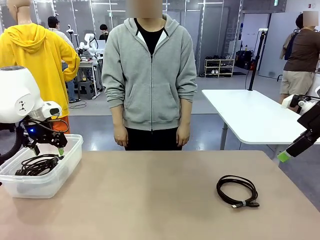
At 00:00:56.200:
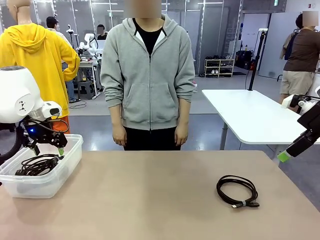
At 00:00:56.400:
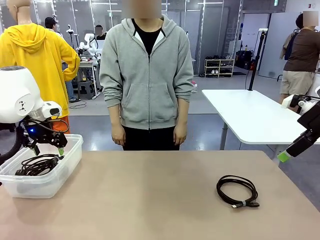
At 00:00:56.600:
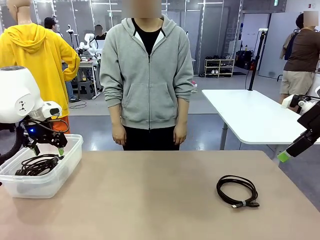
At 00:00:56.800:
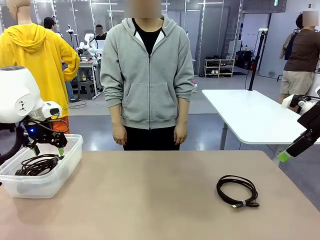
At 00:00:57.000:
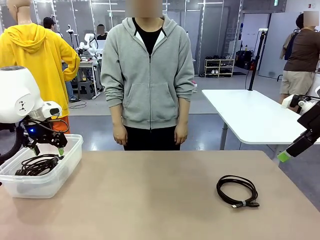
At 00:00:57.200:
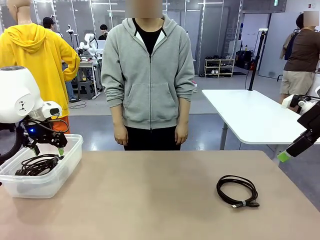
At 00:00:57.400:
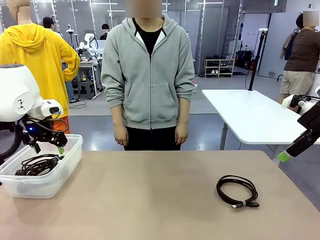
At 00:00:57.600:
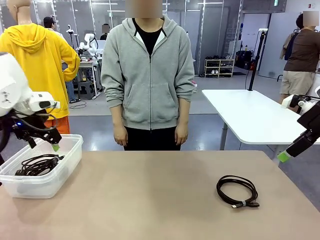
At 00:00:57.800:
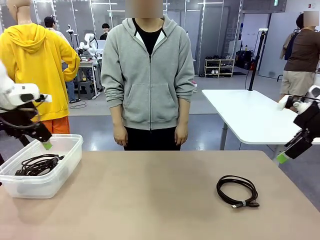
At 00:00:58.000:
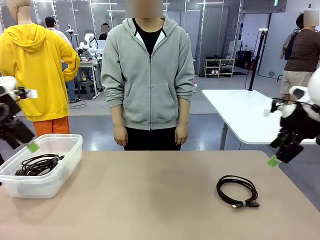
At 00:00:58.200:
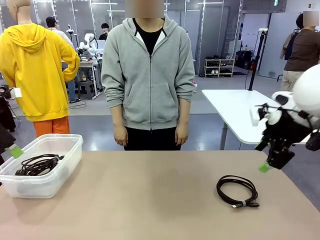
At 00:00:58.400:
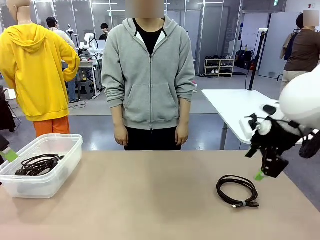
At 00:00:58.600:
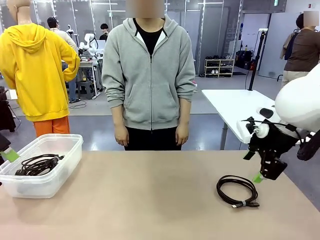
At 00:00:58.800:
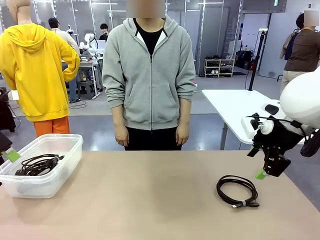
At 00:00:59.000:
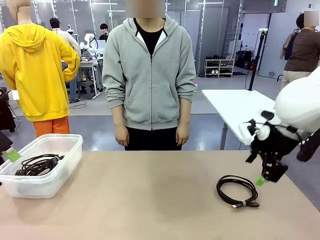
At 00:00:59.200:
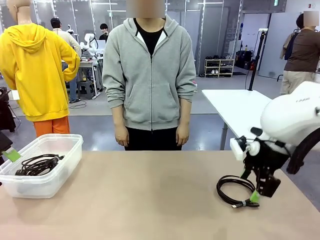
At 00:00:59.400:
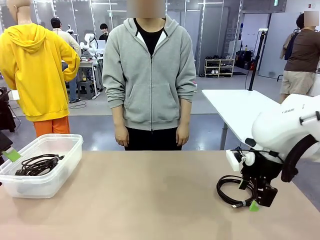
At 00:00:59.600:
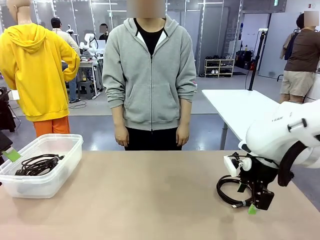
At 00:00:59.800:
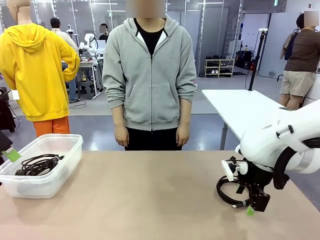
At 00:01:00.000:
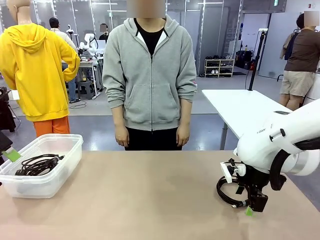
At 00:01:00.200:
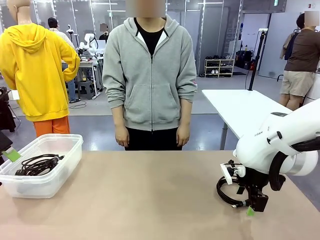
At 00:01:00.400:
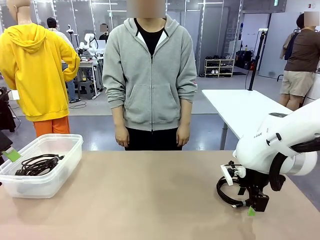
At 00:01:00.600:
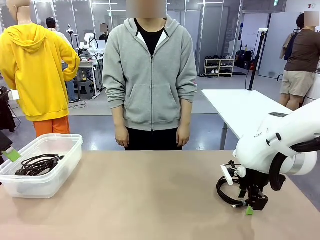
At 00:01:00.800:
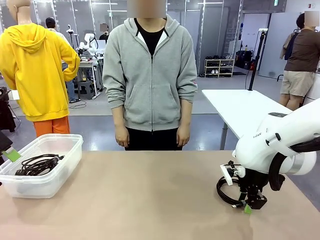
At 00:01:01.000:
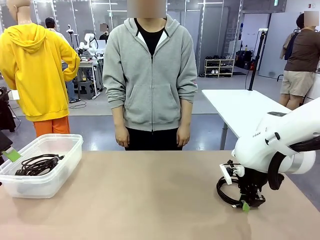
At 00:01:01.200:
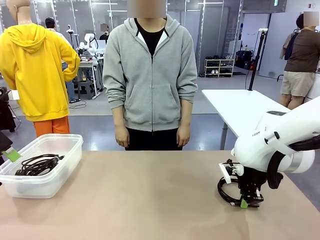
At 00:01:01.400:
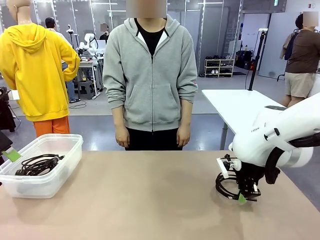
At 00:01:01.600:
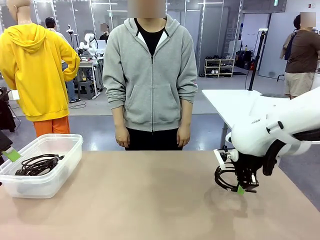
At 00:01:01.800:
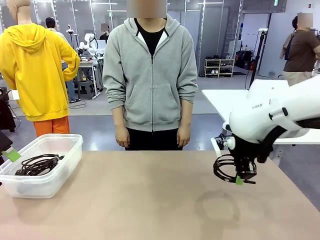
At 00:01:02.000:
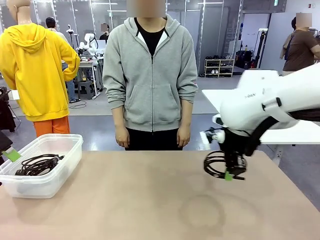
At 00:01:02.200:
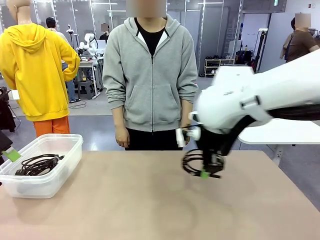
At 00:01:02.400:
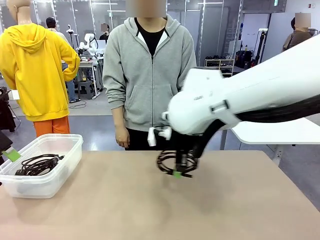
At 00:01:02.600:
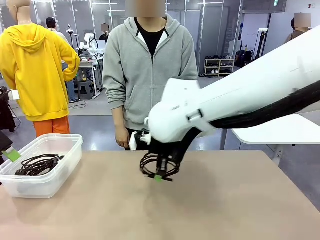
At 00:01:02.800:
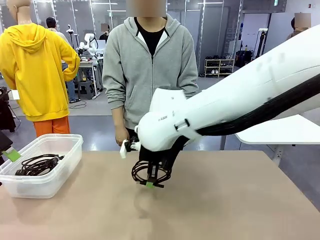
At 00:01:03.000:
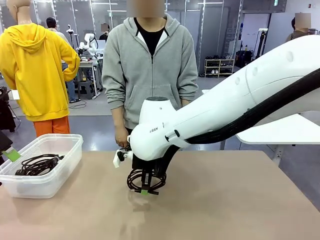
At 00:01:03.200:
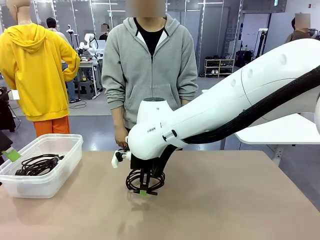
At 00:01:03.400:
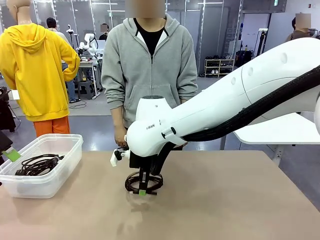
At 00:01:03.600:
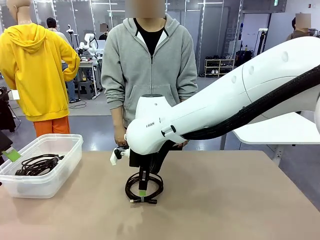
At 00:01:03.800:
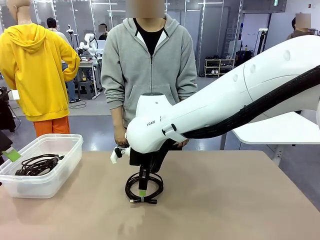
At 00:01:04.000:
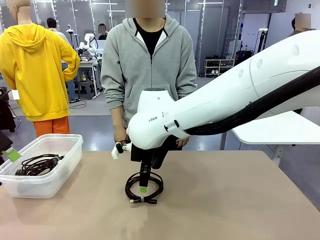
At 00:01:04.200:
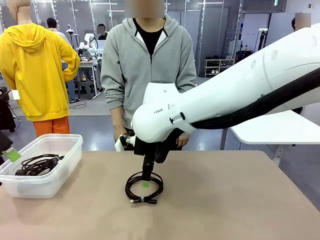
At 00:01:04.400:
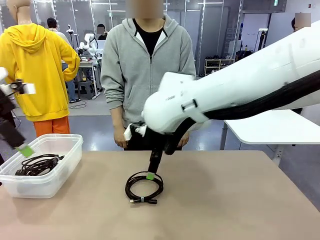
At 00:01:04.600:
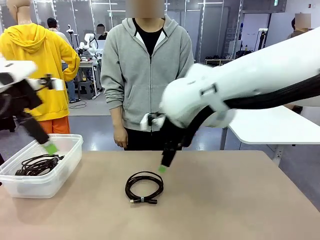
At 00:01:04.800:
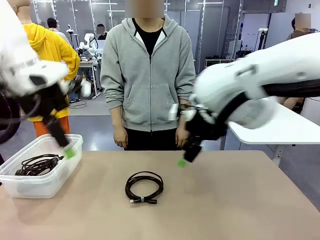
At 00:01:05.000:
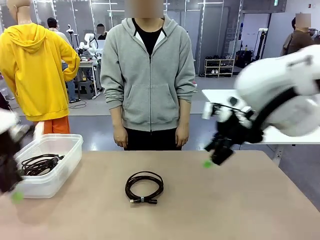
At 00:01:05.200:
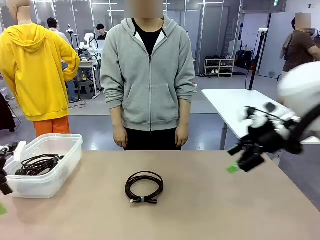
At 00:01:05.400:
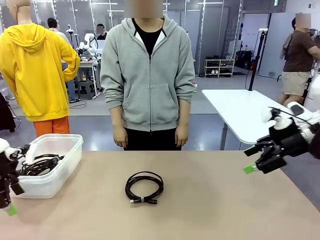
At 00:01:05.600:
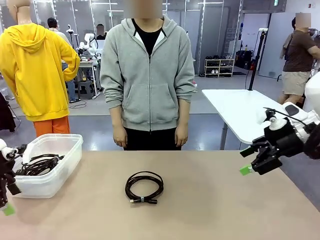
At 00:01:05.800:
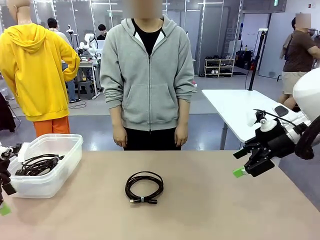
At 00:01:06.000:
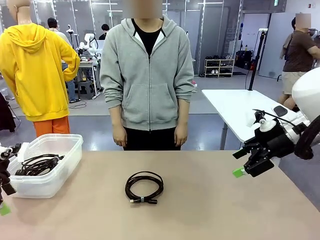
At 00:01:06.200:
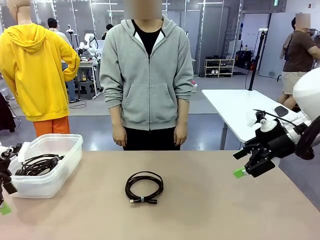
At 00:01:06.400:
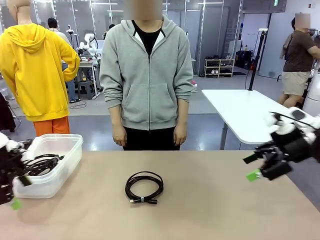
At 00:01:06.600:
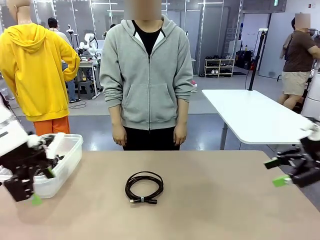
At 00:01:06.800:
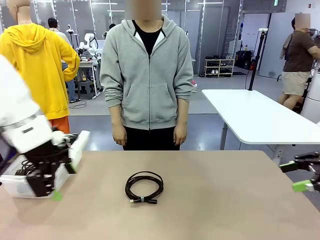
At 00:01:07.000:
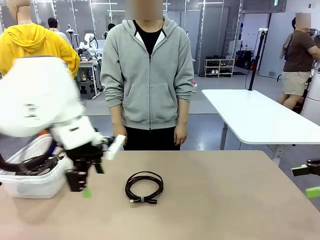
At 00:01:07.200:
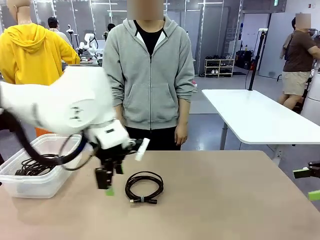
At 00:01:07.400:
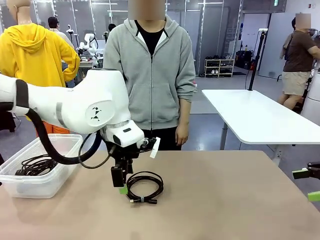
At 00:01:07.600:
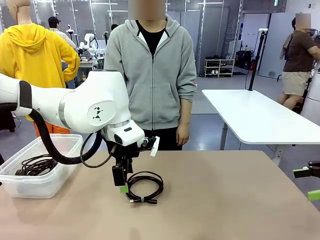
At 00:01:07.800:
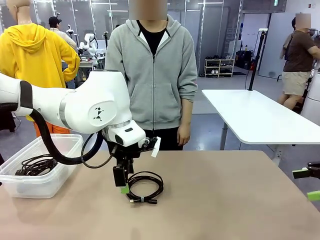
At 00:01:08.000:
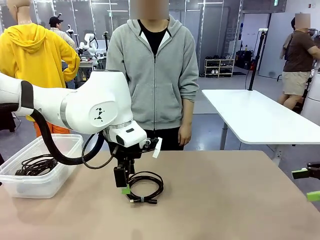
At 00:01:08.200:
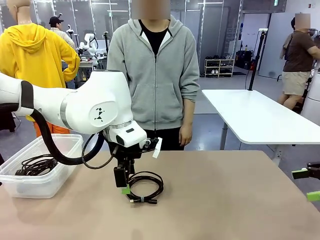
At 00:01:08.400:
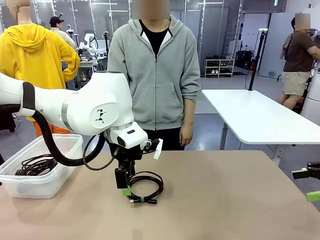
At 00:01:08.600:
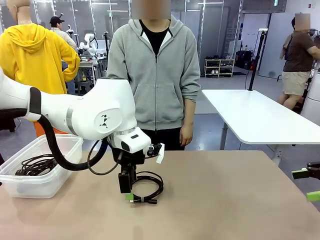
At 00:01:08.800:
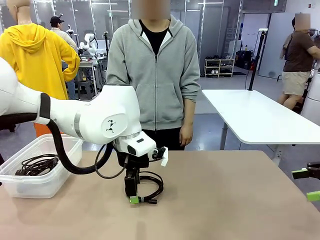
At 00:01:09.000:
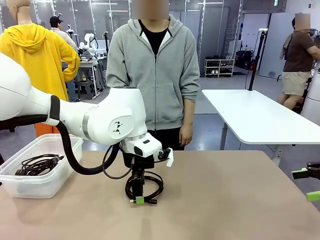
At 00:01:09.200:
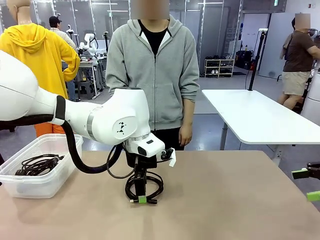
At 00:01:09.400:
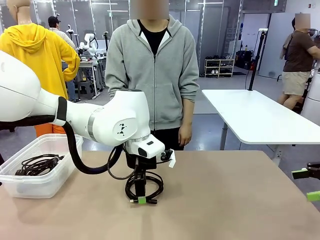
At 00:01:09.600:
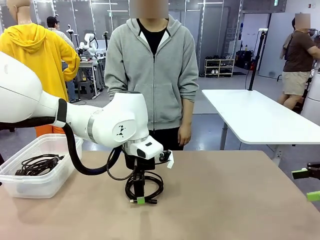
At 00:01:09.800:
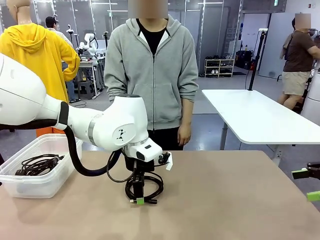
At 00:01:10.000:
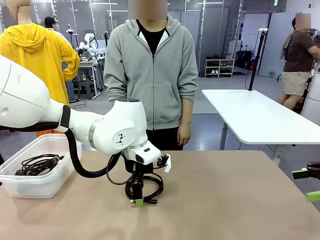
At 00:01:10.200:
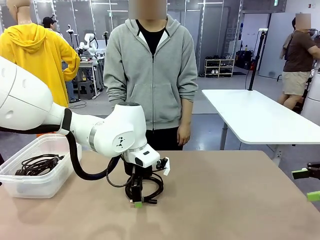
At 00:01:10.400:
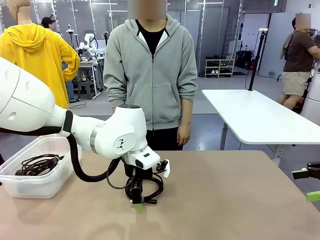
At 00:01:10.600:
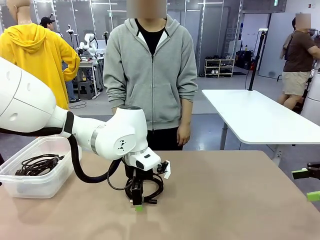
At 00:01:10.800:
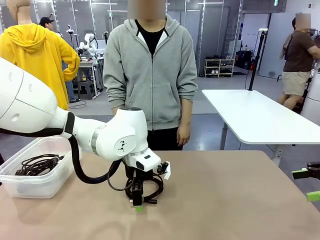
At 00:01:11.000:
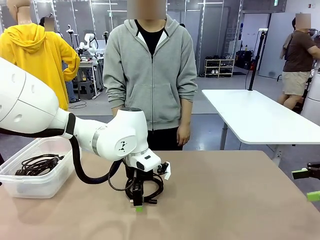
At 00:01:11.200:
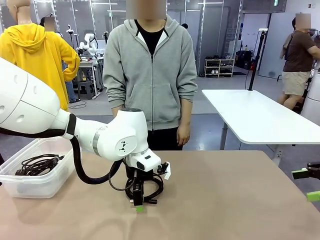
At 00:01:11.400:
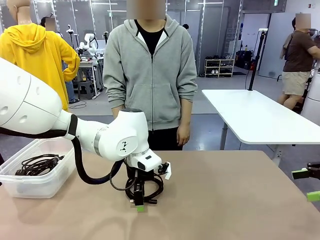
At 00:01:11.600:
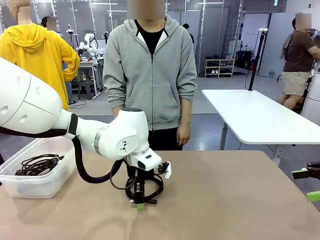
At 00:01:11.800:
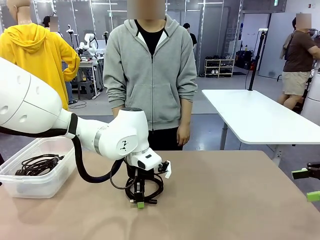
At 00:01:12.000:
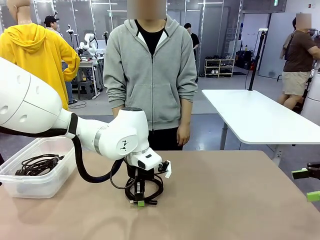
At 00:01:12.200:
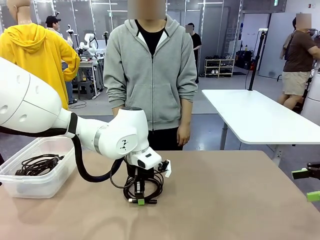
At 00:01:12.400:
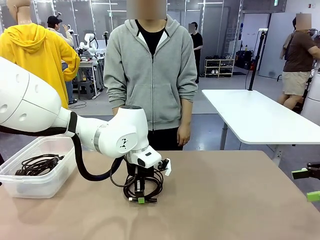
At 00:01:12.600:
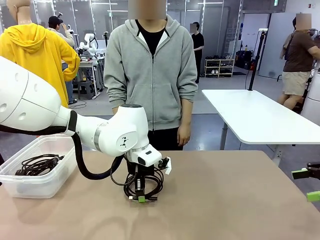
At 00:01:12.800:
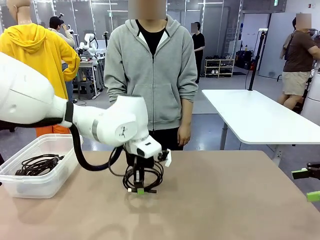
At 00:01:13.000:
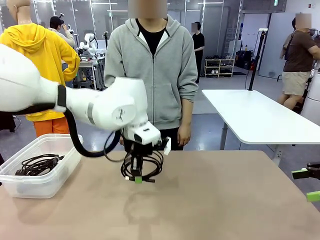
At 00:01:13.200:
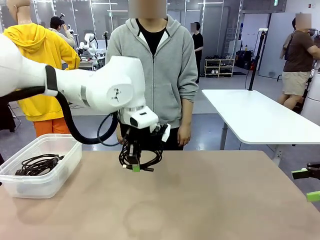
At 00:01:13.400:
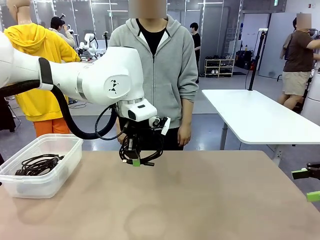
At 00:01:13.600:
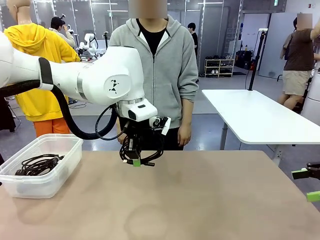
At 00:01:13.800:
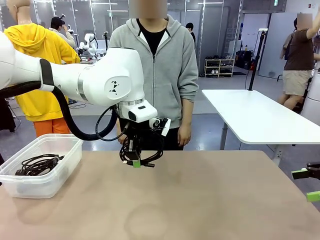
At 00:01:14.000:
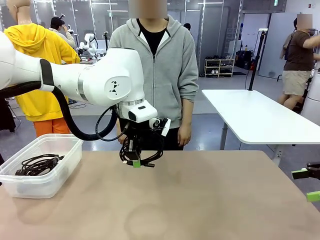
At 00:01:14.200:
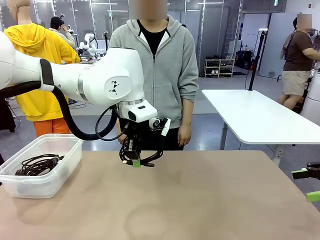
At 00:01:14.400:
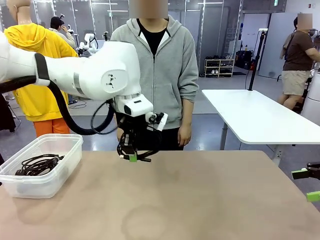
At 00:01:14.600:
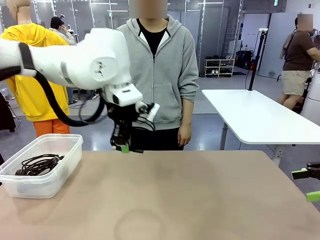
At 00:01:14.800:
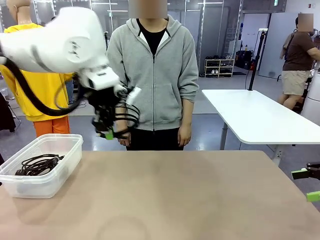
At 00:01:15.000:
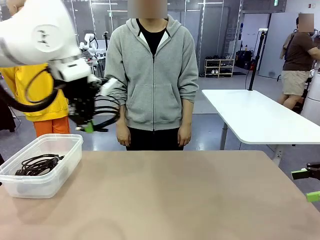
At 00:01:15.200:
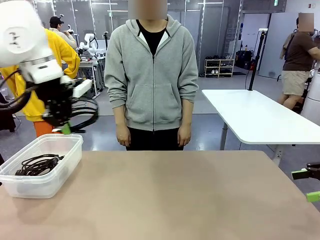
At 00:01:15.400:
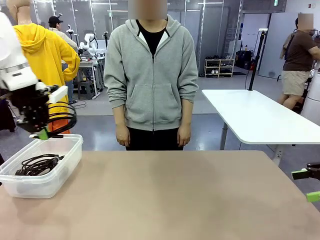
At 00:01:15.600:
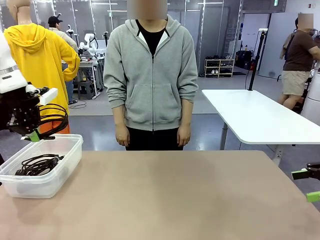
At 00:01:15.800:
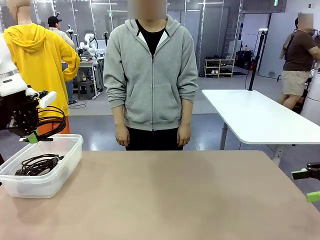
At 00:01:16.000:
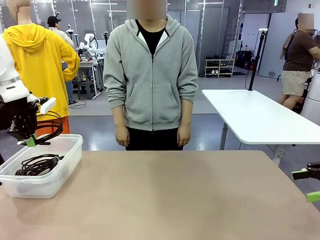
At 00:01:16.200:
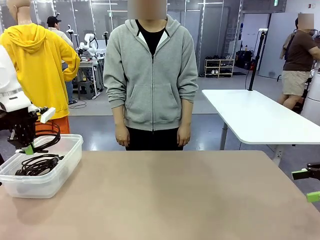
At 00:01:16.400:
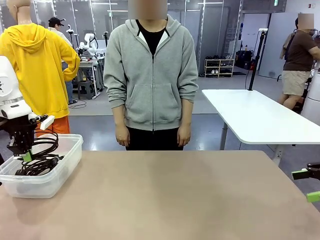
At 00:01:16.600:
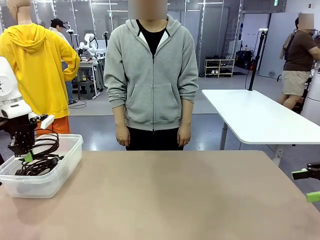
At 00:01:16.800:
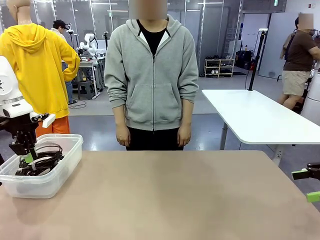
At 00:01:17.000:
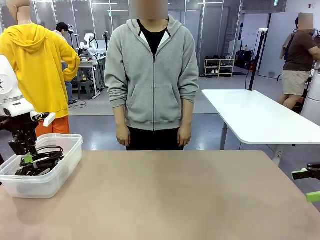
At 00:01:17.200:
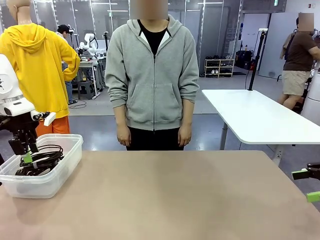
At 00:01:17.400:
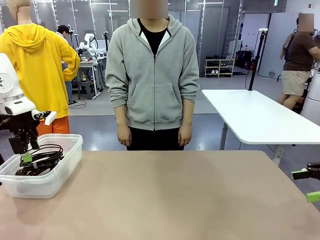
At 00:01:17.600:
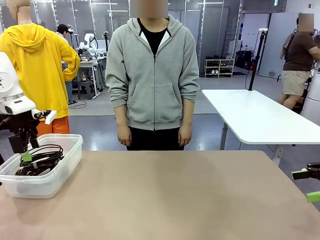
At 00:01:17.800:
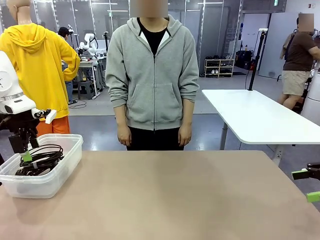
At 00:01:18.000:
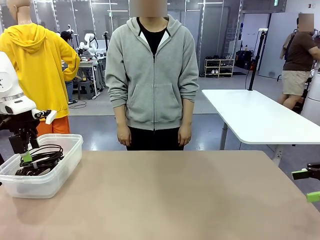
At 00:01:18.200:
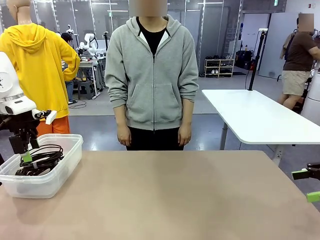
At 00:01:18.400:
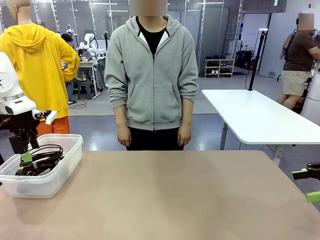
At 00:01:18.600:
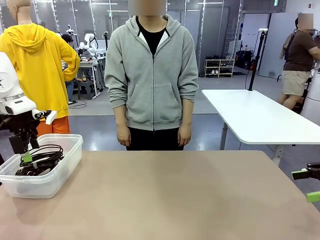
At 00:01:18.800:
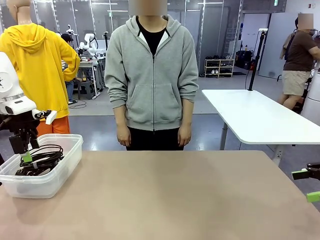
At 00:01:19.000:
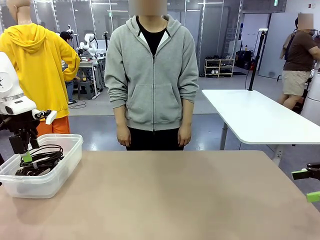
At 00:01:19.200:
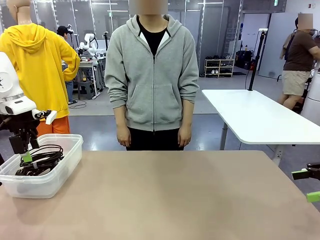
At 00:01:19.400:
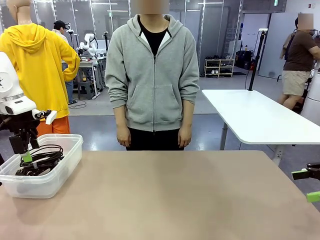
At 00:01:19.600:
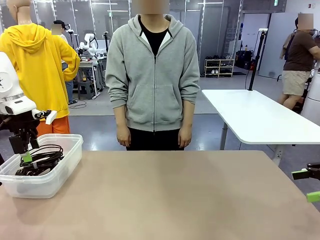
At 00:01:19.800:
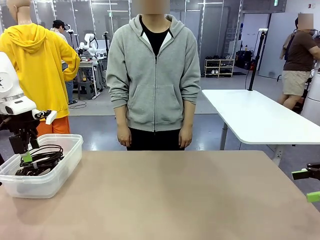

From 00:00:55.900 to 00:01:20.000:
Task: Organize and store the cables.
Robot: Place the USB Extension Cable into the Organizing box.
